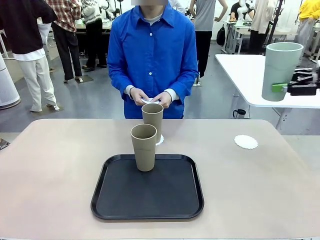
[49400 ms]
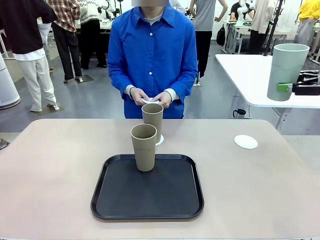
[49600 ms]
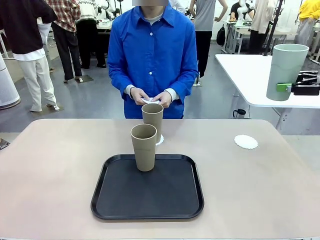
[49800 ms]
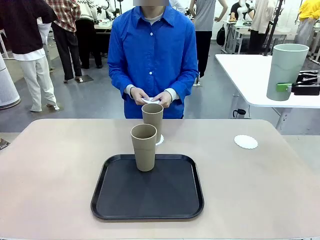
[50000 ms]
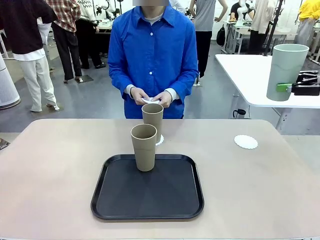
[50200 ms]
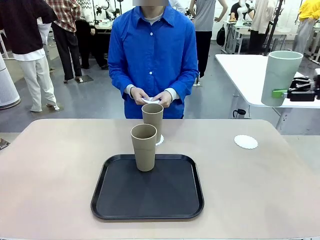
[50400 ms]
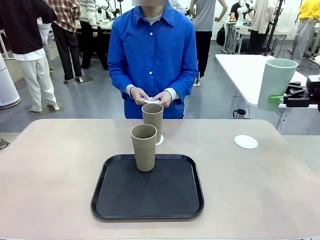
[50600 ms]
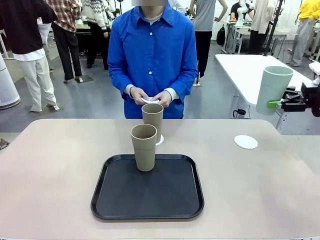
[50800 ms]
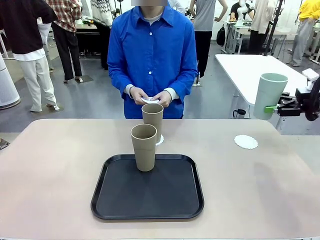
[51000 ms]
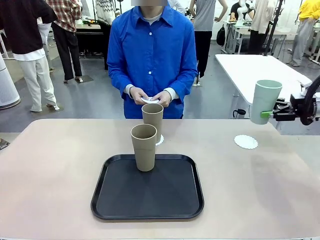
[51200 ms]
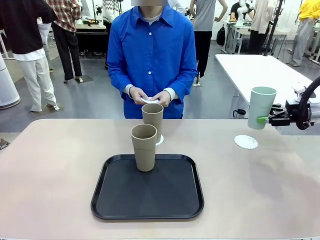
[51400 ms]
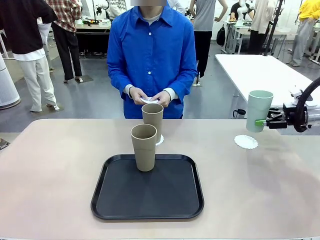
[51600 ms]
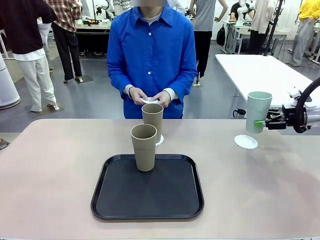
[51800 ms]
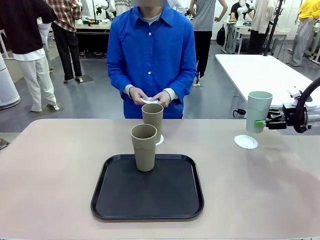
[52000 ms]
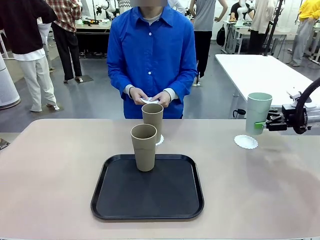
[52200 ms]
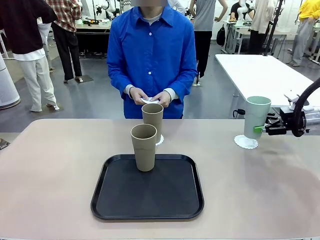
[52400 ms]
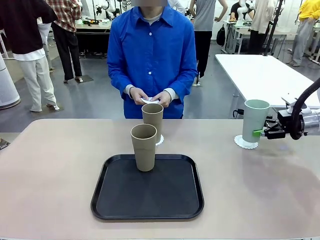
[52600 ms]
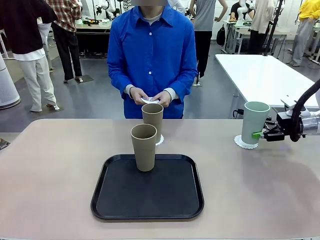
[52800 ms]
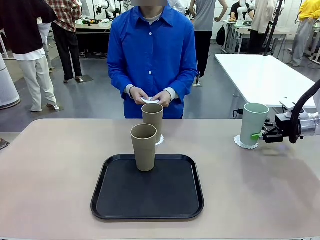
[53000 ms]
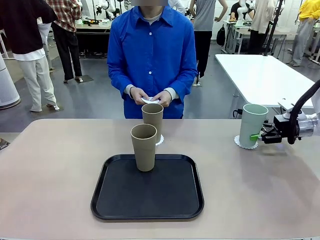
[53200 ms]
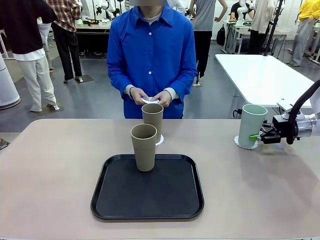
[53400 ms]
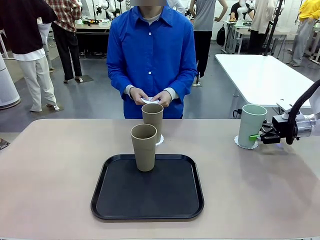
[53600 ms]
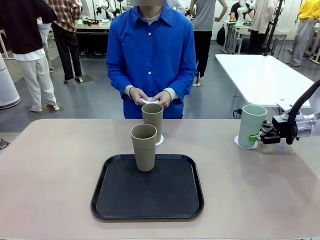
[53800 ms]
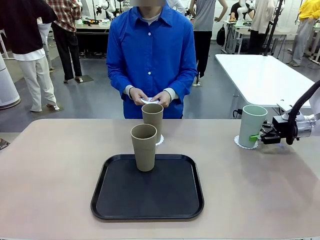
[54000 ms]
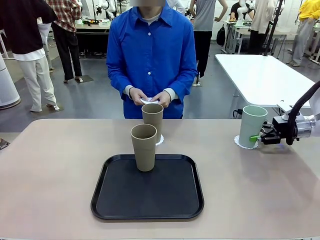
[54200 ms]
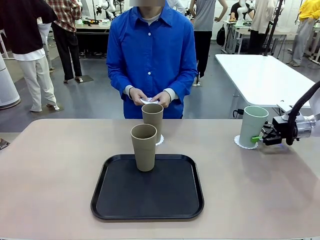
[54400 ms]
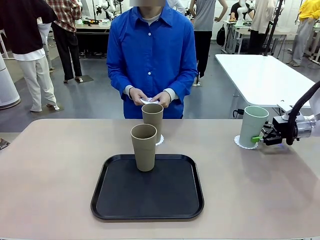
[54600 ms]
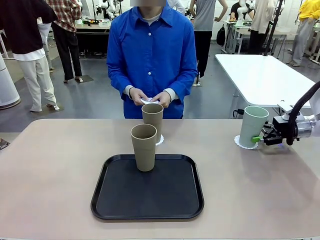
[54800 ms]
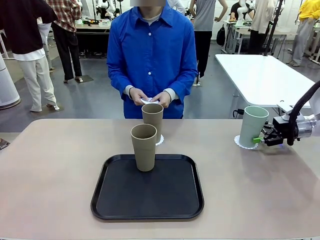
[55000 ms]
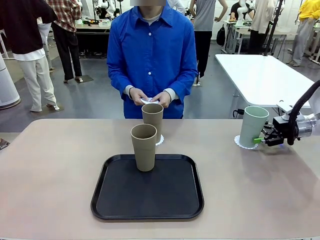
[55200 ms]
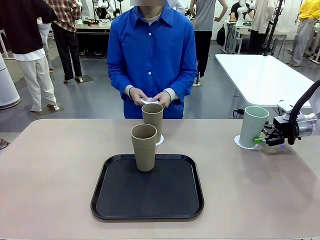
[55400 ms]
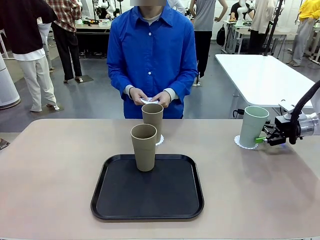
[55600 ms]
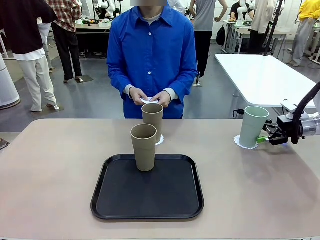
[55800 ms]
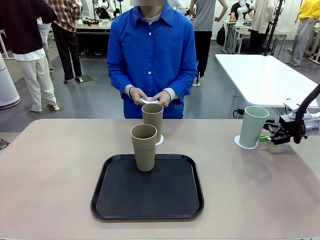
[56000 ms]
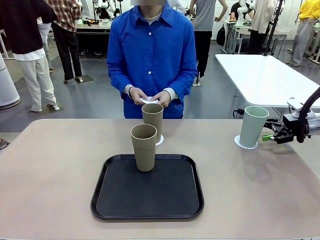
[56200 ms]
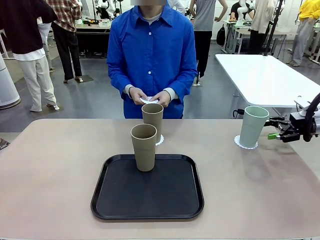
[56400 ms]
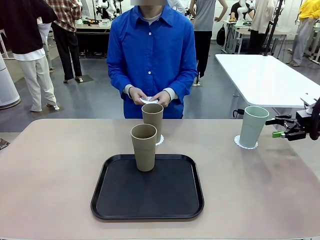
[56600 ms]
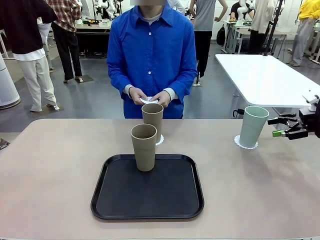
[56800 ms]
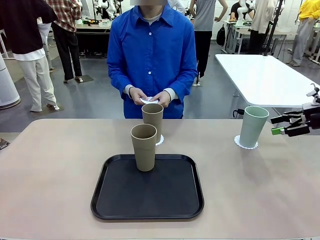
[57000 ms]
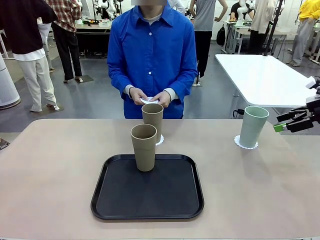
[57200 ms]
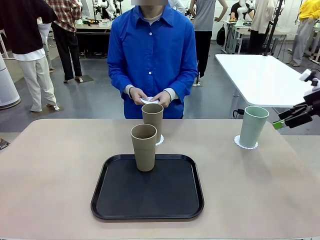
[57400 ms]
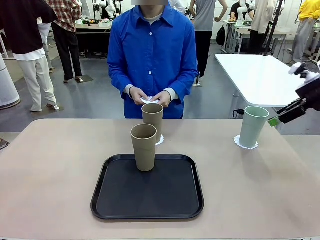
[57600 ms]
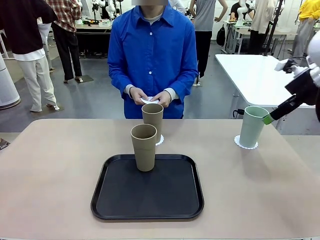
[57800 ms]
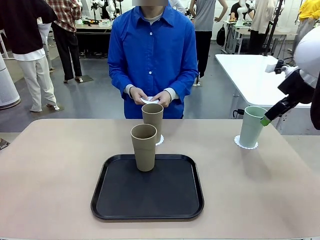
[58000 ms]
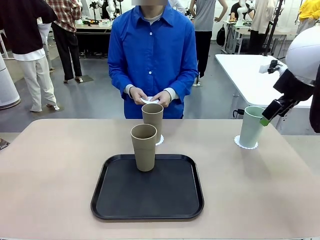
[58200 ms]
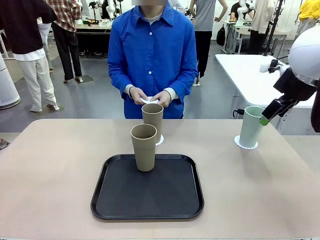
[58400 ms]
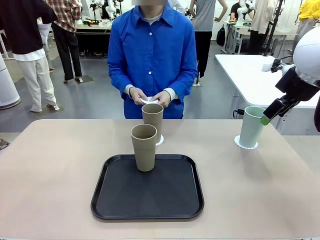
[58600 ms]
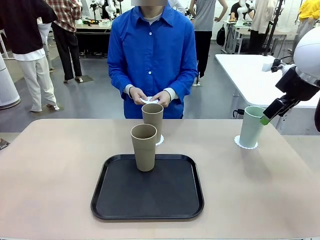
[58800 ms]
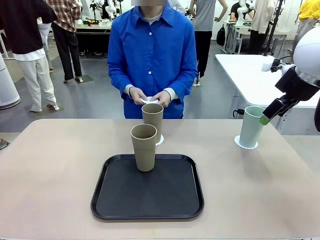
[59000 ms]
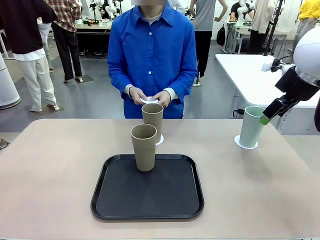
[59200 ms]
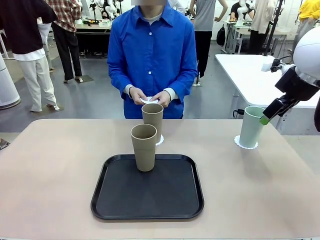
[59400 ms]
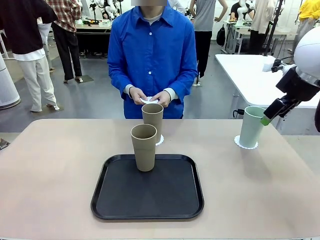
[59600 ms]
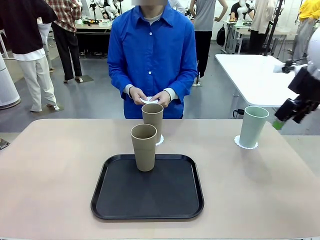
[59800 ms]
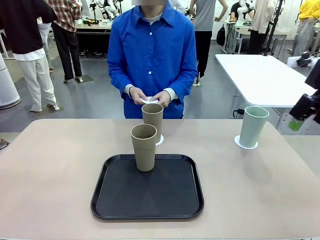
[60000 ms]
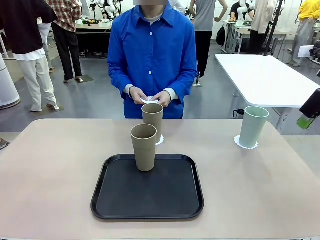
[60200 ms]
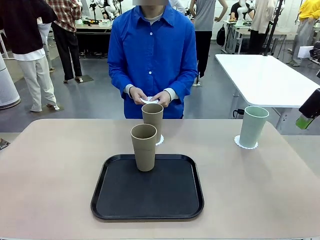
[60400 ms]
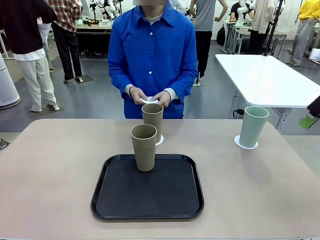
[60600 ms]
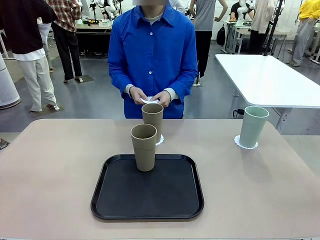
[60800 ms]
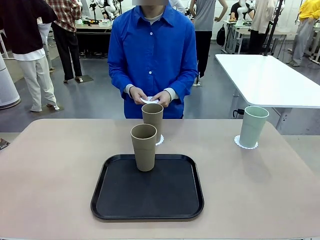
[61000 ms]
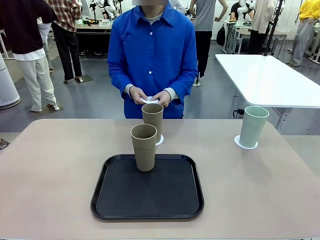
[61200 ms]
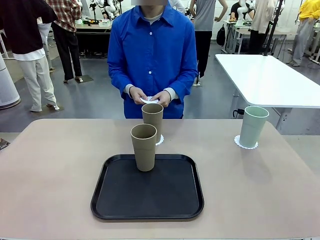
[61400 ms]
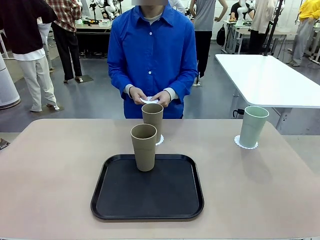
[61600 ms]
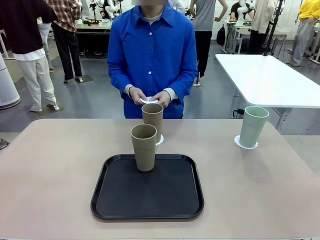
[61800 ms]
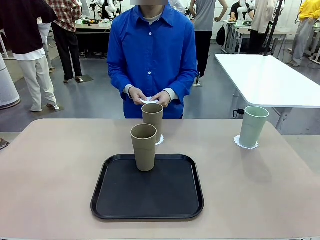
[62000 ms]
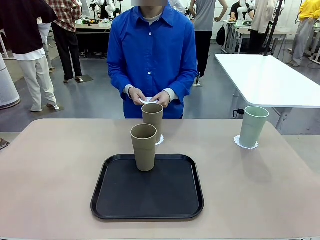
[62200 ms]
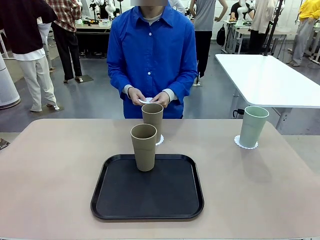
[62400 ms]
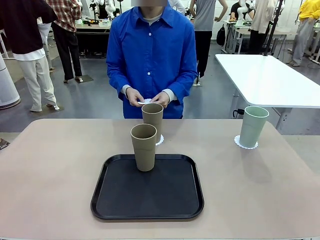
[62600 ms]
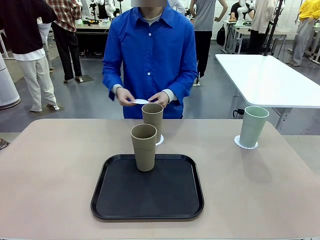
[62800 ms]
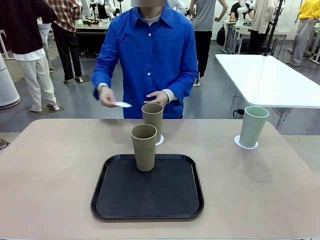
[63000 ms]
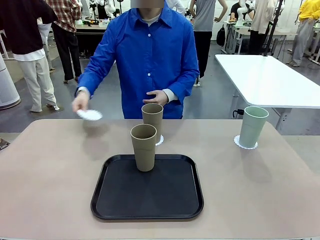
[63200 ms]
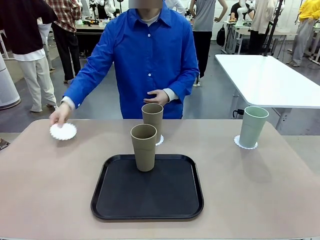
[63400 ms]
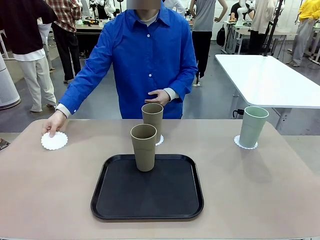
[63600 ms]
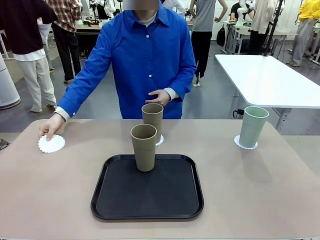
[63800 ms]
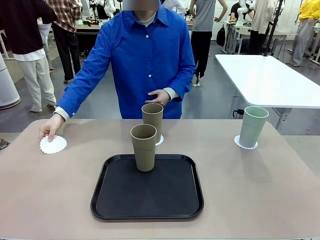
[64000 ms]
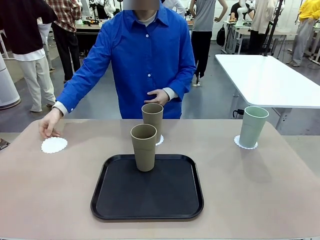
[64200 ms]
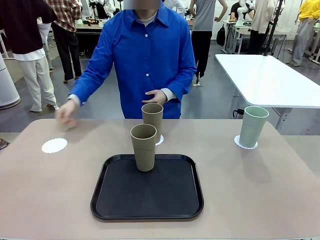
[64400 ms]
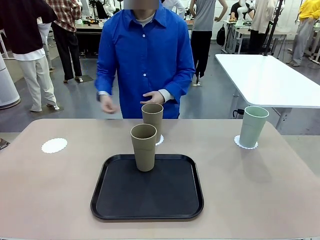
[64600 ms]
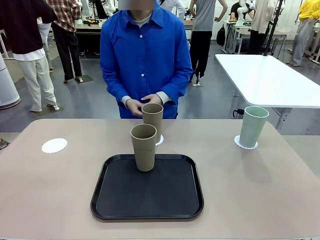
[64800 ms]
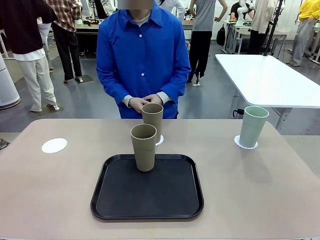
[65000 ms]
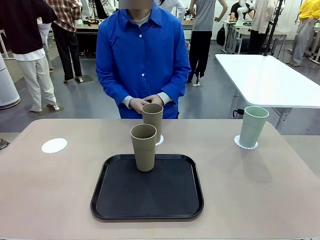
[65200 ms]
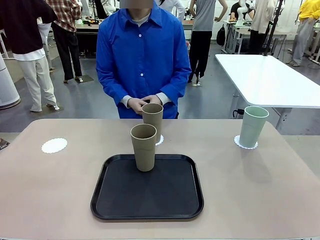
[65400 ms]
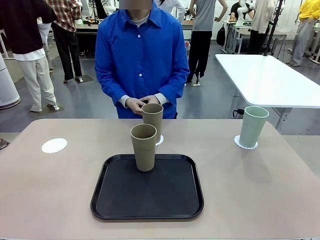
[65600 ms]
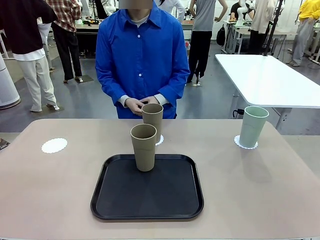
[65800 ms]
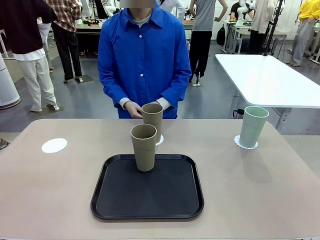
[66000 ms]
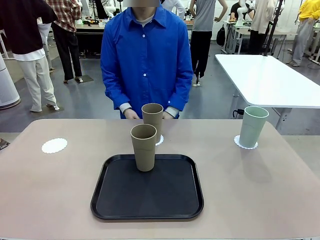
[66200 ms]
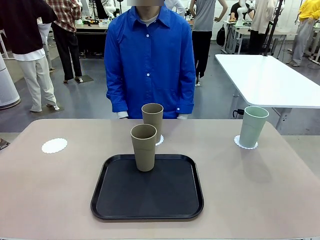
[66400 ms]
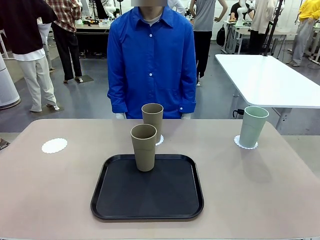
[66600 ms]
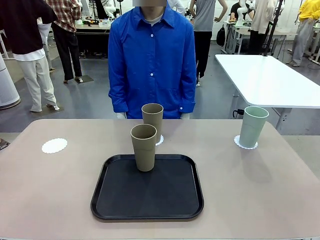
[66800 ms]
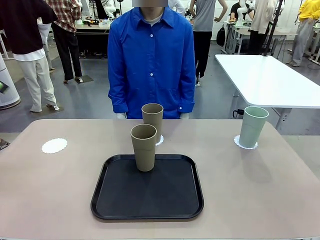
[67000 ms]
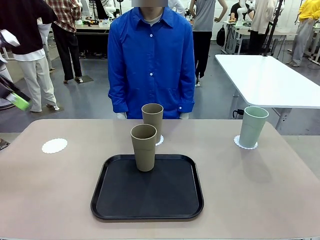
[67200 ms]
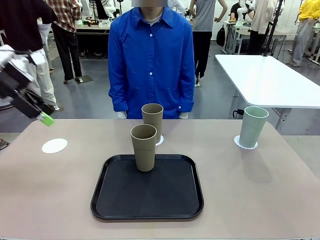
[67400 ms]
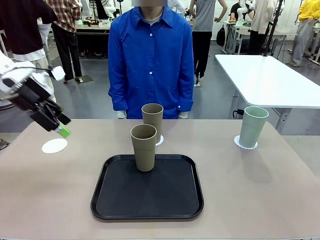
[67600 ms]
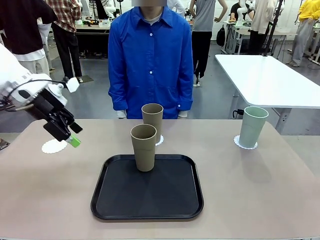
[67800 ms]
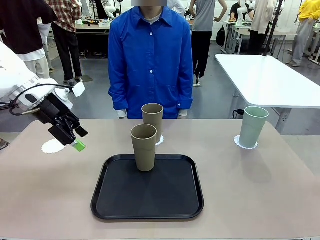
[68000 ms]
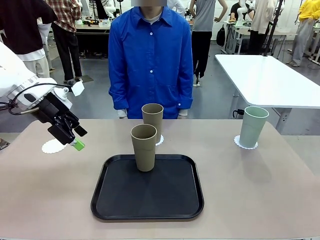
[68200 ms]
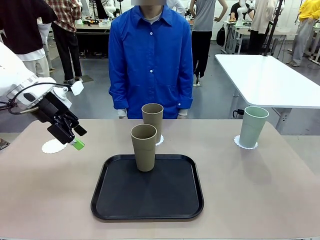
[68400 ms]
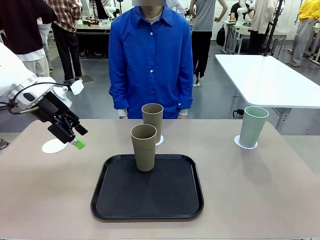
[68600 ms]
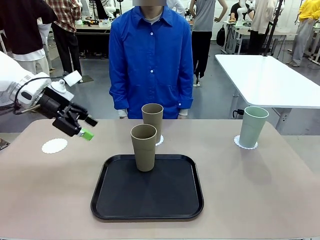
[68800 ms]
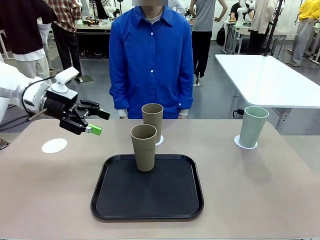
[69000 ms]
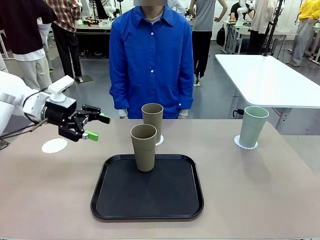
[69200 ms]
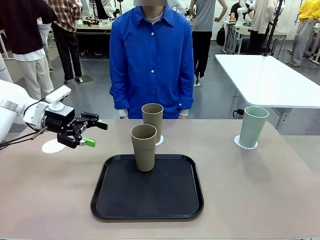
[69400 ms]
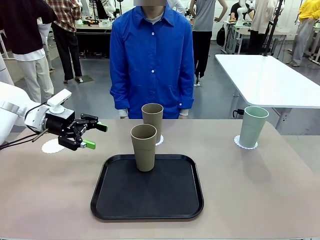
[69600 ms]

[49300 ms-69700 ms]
Task: Place coasters on the table and set cups on them.
Robot: Take one Reusable plastic cup from the Flat Tray and place it on a coaster set by the human.
